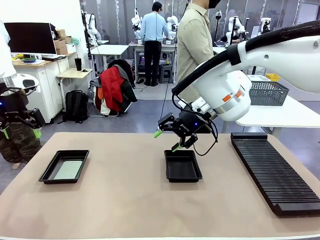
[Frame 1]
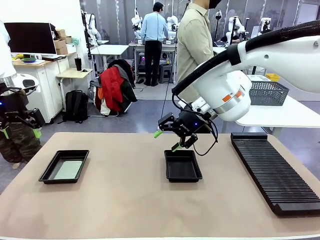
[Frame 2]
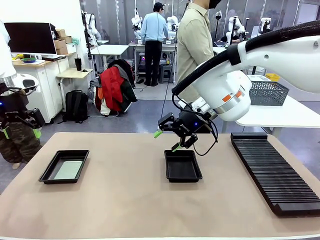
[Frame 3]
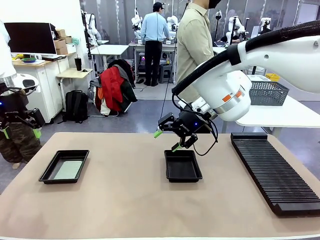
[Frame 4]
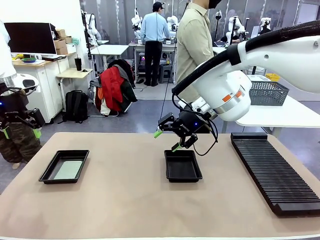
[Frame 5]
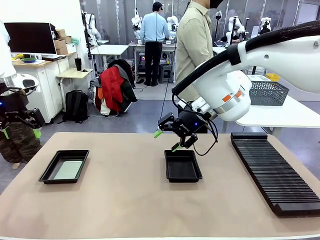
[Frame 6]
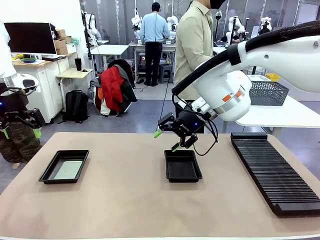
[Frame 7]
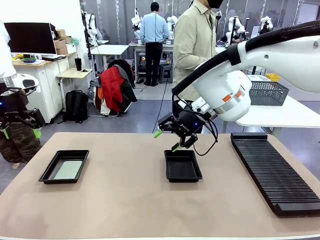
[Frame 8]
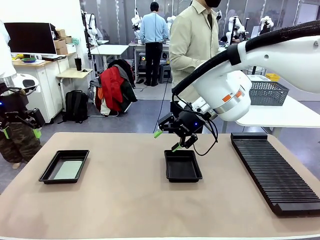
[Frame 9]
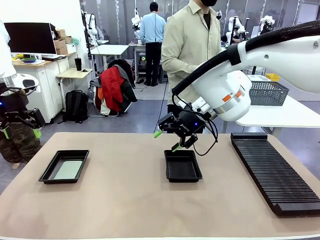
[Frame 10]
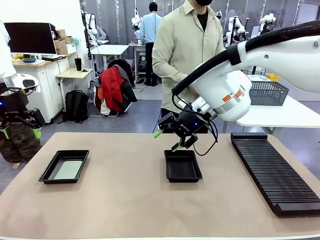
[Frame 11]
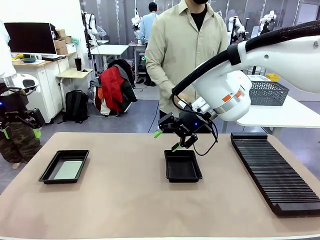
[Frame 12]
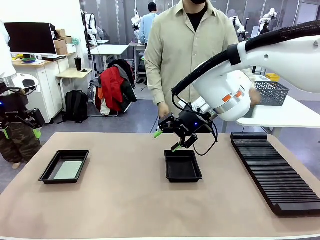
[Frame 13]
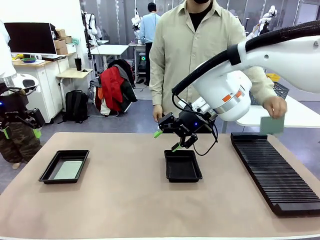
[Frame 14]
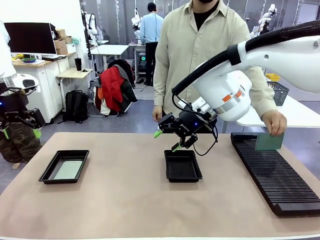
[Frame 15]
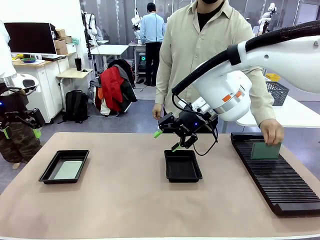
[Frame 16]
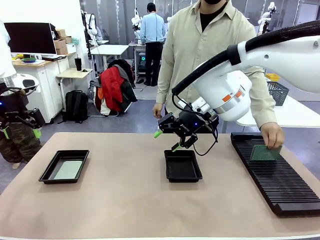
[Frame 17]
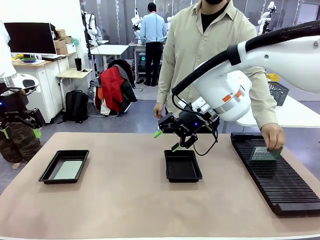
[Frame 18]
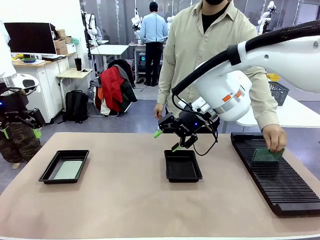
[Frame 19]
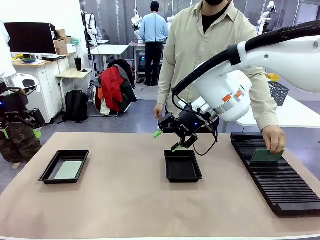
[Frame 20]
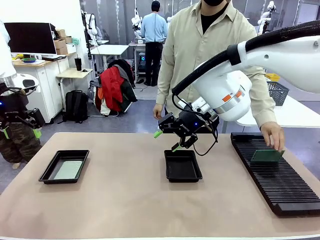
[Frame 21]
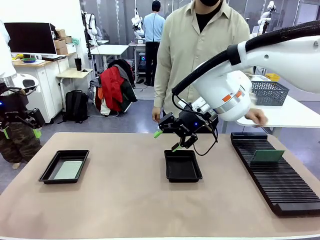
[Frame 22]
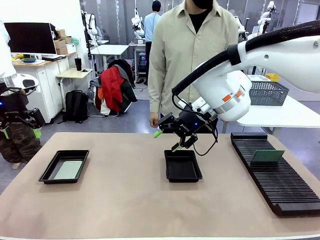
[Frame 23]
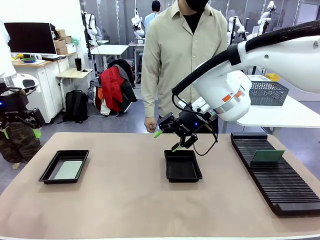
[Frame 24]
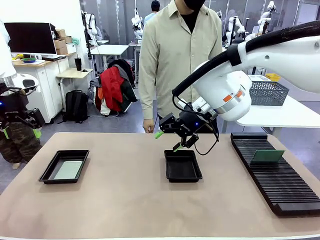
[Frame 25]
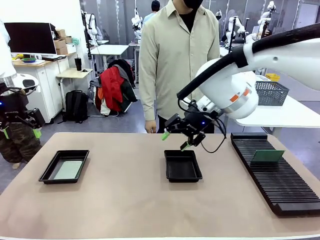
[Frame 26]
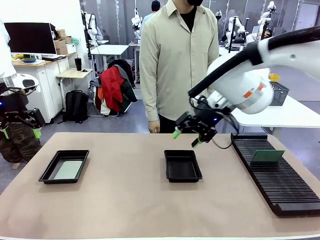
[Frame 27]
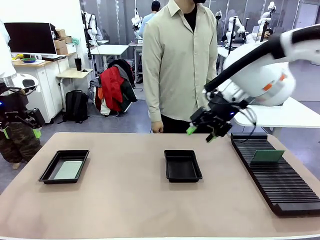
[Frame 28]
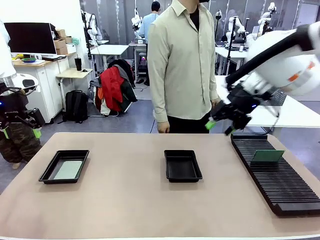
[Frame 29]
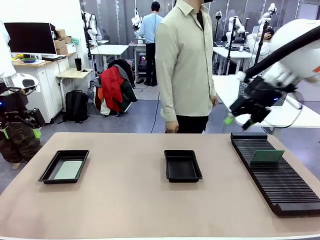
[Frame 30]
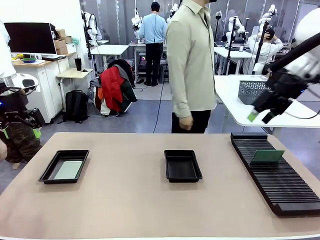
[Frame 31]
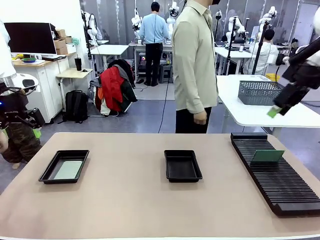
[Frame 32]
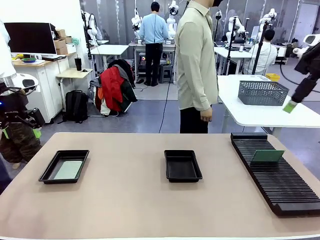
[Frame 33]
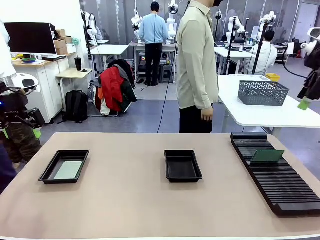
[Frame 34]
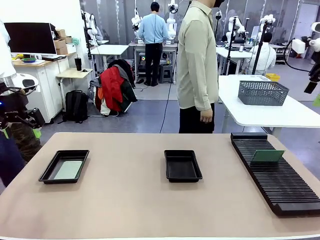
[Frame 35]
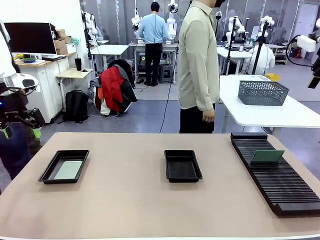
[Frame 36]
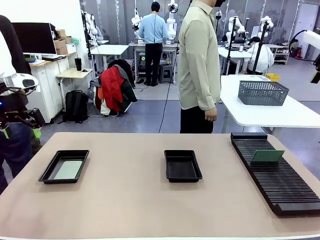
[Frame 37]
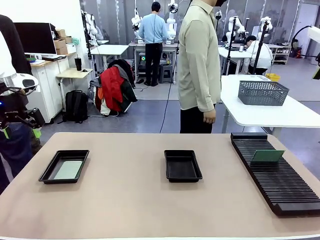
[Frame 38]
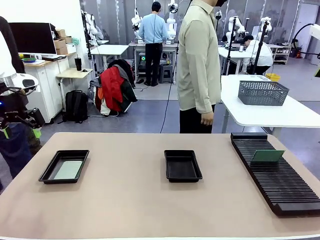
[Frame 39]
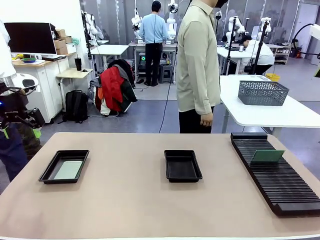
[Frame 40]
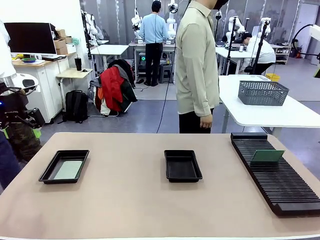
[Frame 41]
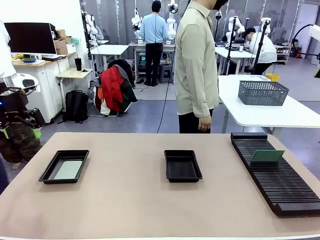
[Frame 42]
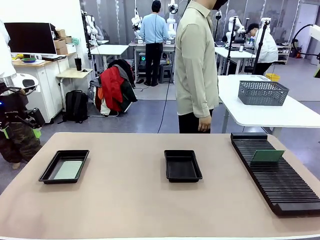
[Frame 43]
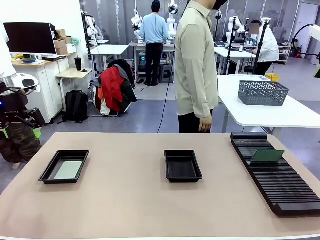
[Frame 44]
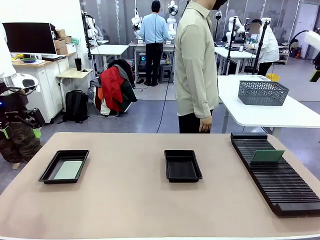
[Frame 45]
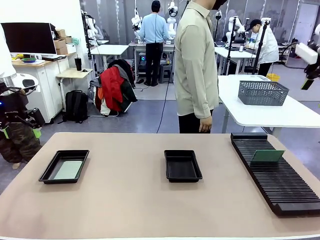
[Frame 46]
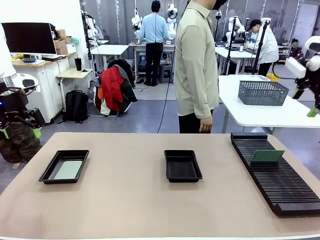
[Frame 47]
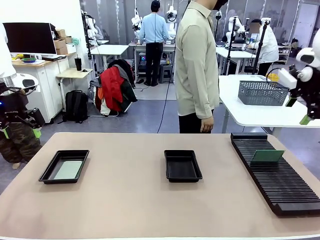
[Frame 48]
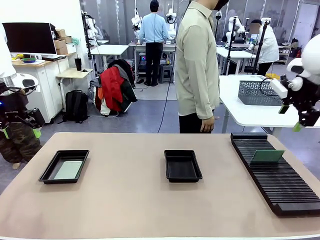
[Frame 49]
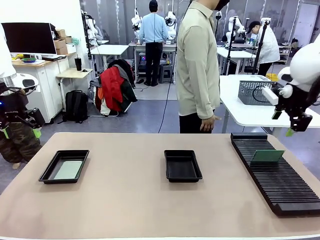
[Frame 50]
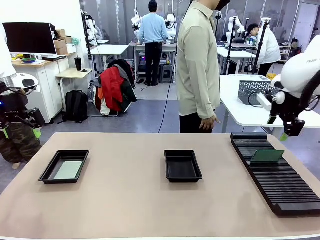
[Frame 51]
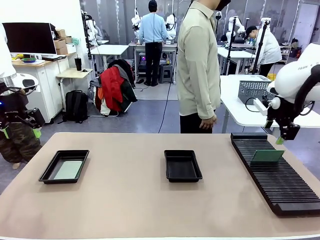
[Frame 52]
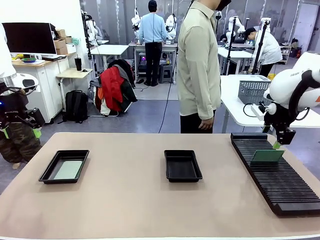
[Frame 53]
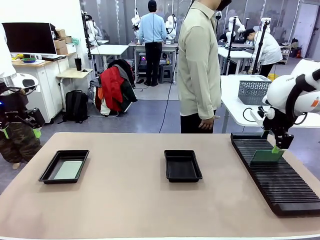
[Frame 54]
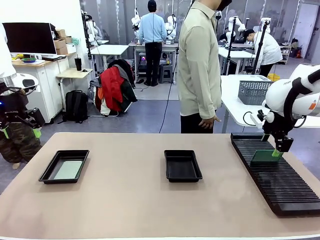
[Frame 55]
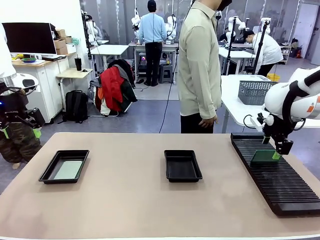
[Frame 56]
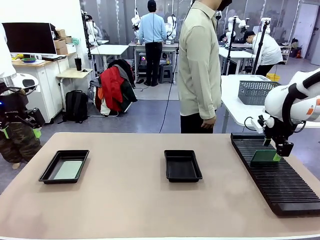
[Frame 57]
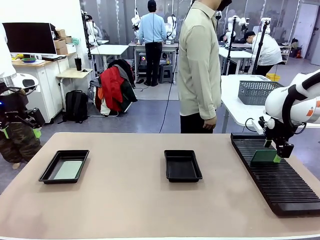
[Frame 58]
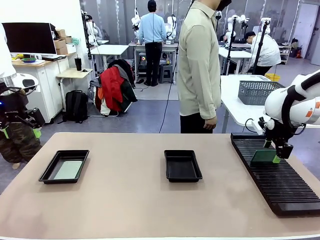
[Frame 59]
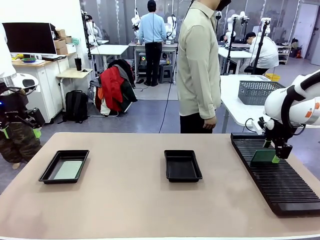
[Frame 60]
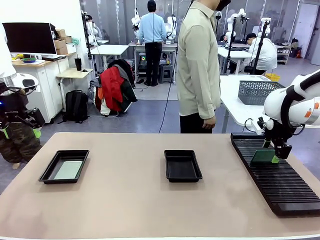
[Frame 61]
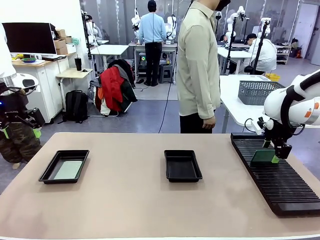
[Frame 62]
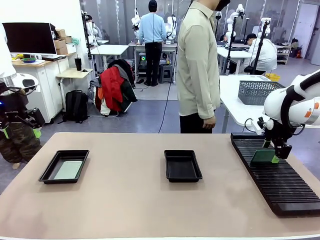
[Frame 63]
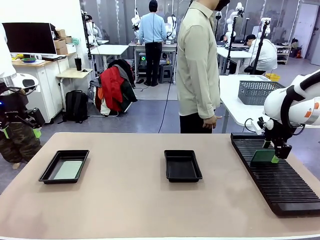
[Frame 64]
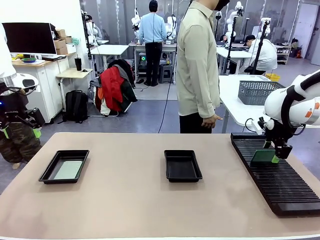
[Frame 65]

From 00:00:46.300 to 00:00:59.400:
Task: Inspect and transfer BCBs to ESD trays.
Robot: Pick up the Blank PCB from the PCB Rack and place it in the right ESD tray.
